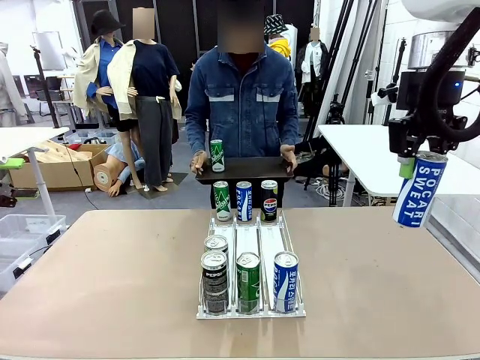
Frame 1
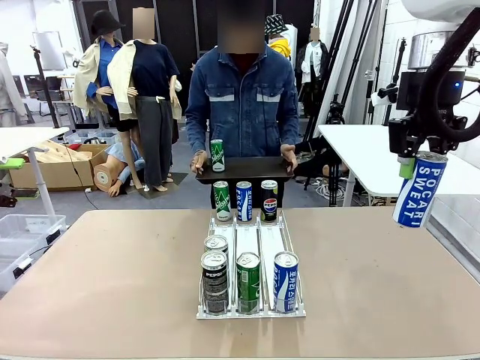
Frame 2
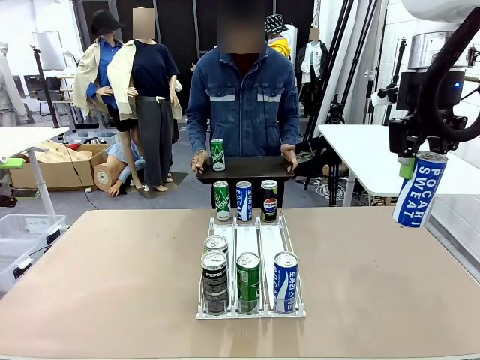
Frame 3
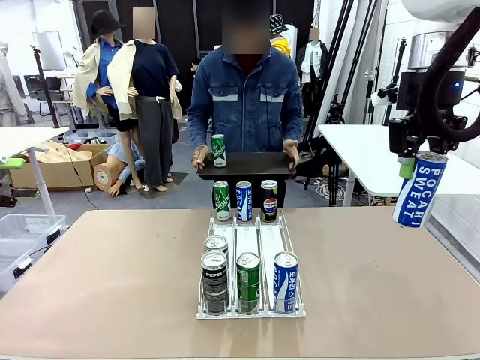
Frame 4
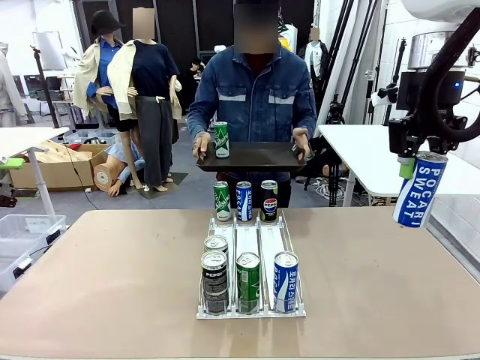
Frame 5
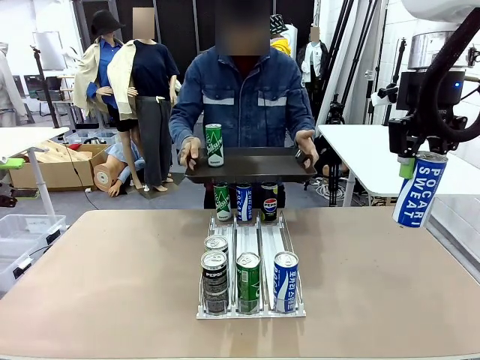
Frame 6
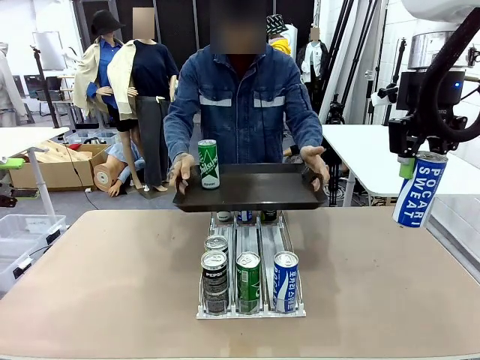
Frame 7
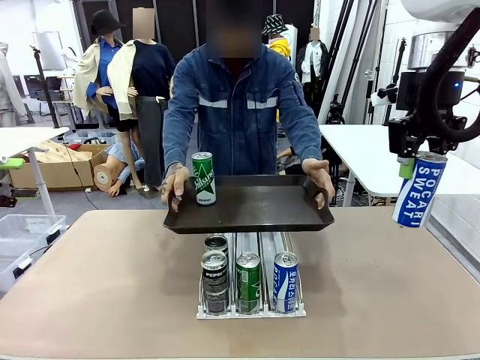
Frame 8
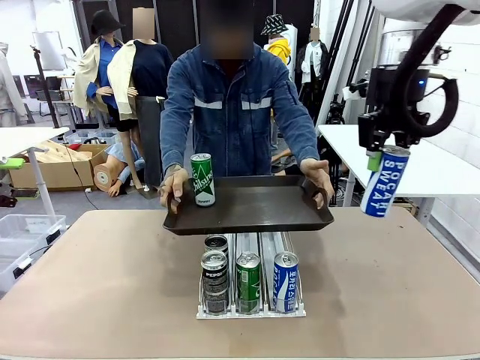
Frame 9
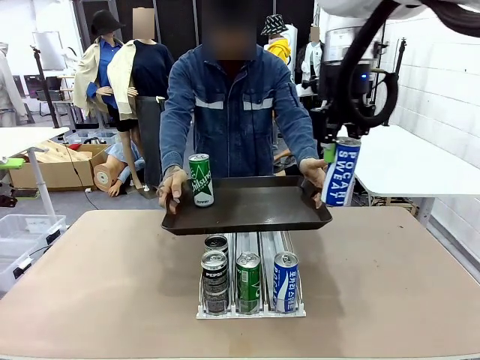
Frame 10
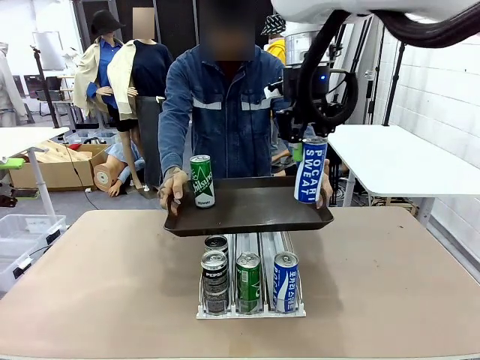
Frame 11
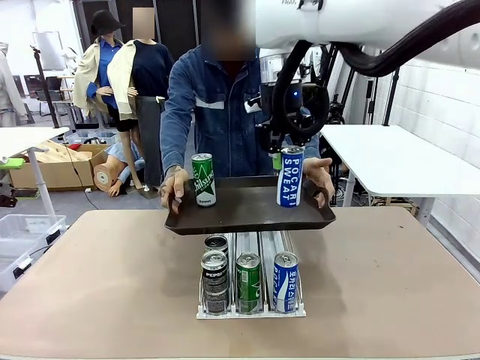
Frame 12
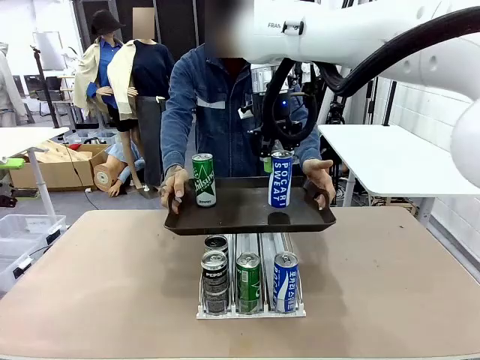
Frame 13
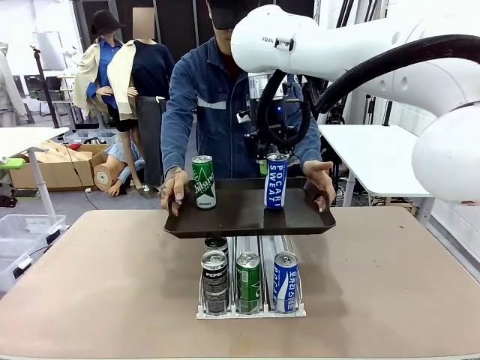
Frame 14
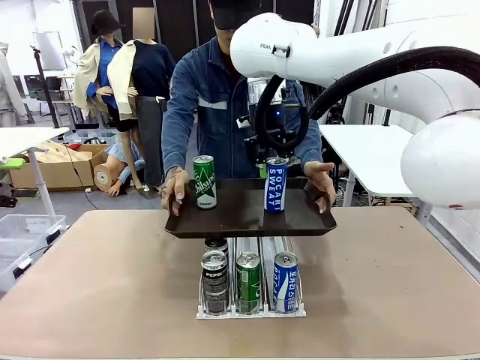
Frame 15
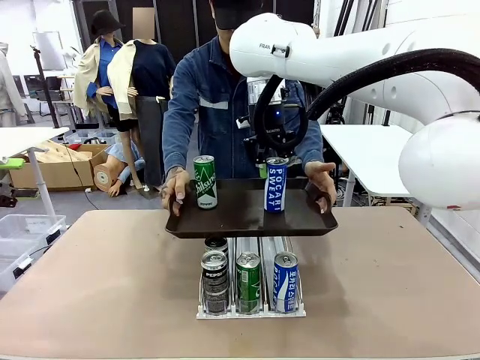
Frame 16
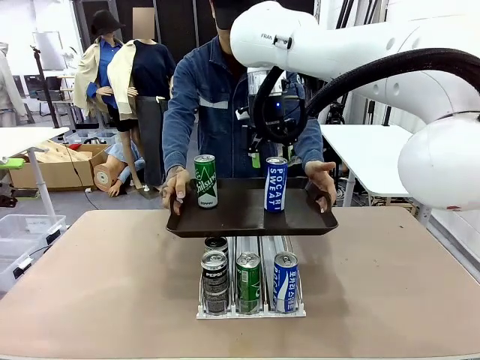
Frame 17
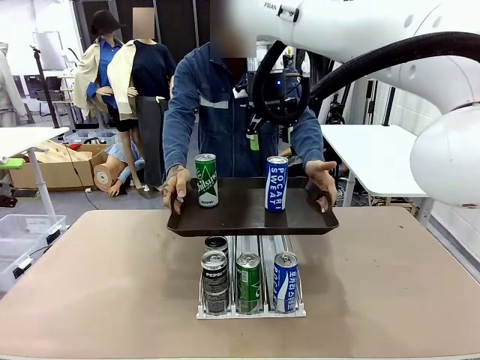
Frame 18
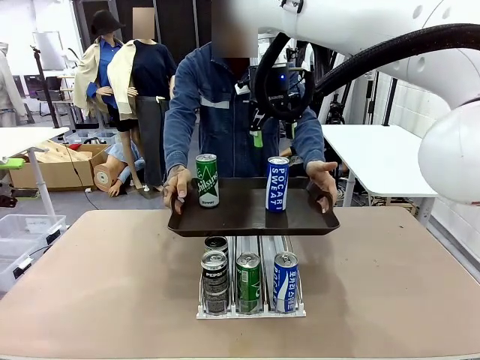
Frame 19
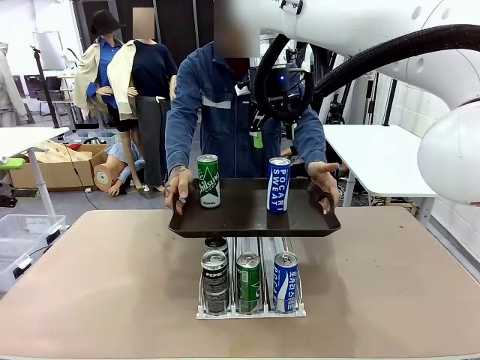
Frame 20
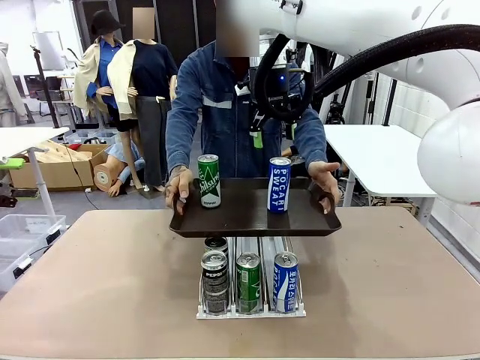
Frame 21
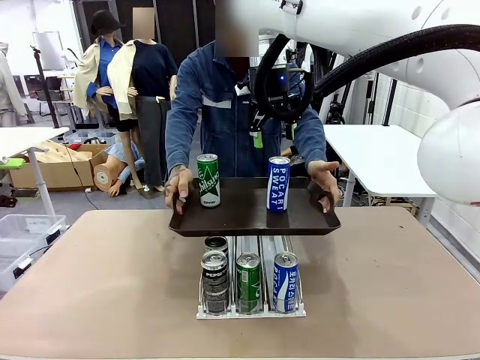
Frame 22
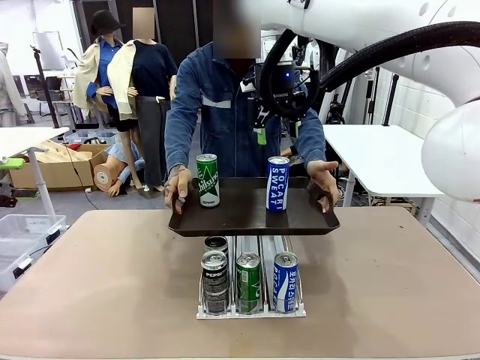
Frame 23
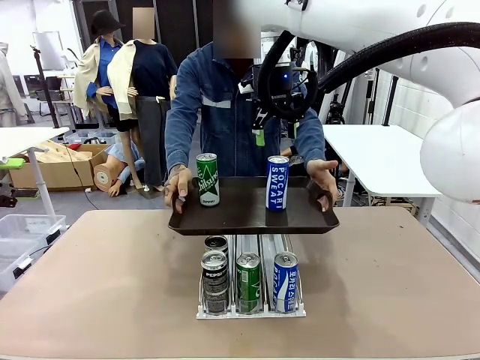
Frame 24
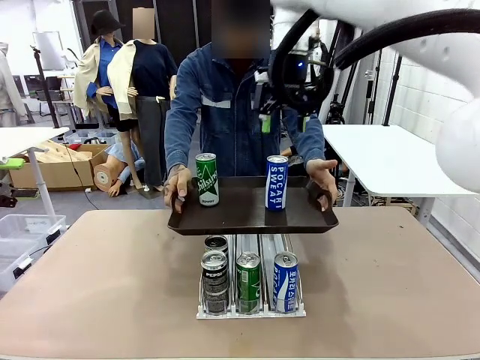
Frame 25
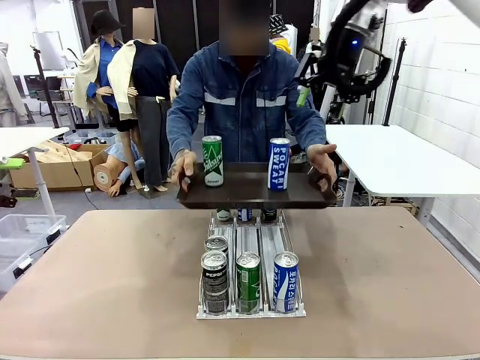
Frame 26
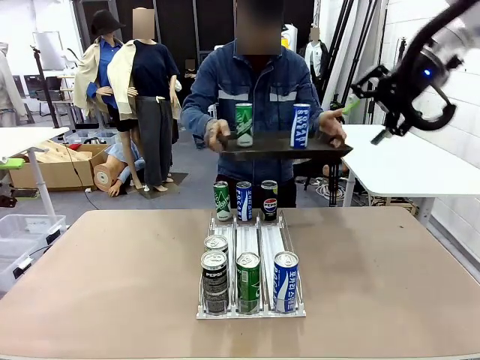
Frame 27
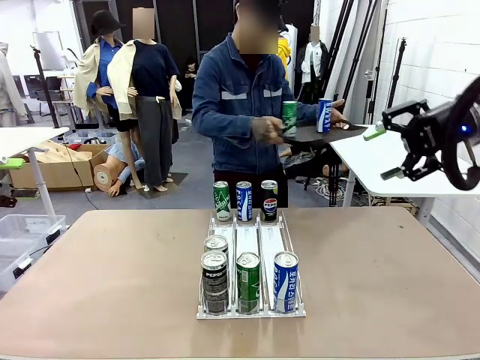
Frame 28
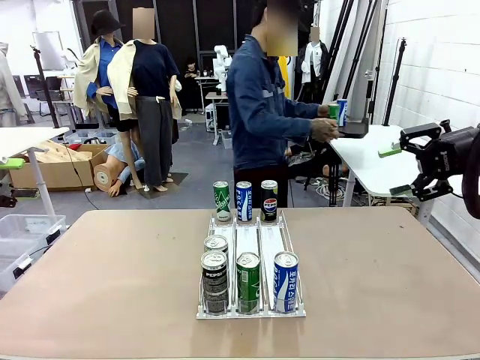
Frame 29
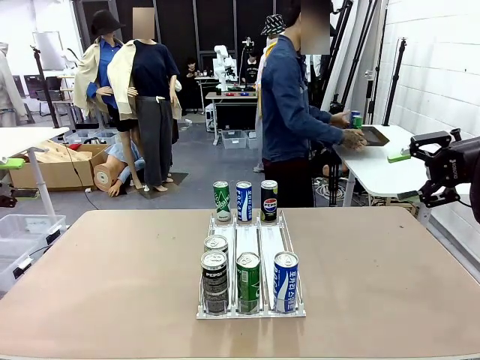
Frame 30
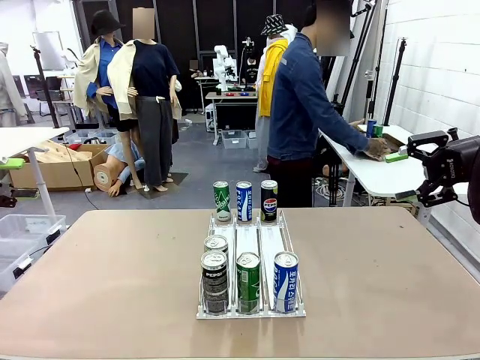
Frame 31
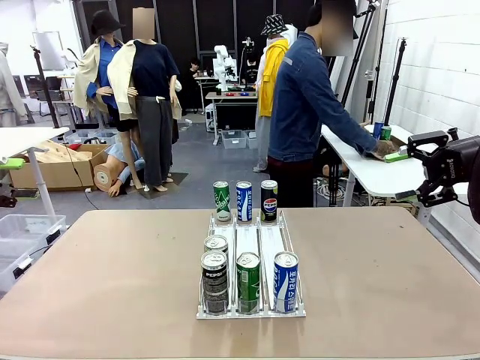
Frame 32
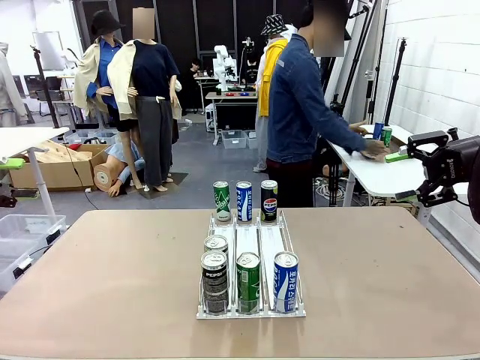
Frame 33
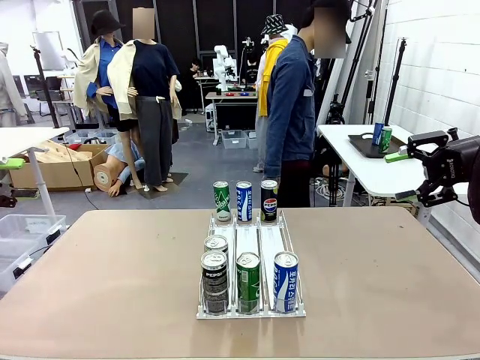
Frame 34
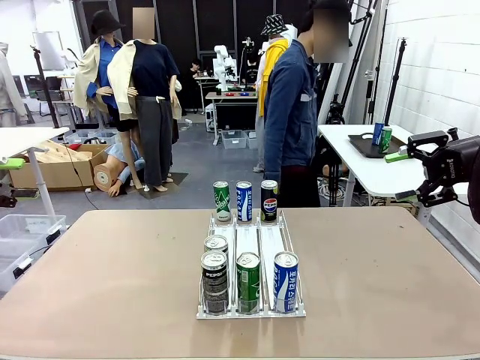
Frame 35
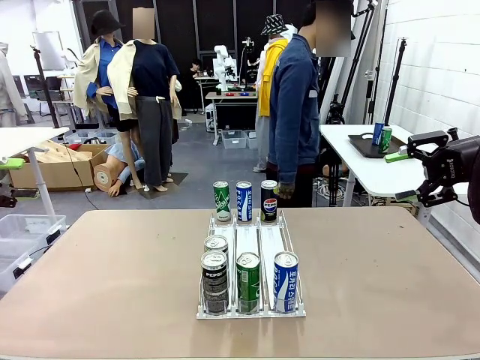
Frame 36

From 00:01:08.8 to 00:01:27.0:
Task: Retrieve and hand over the desired beverage to the person.
Robot: Place the picked can on the Handle tray extended by the person.
Person: Pull the tray back and place it at the center of the human table.

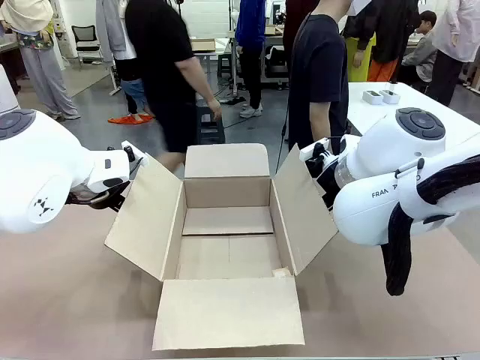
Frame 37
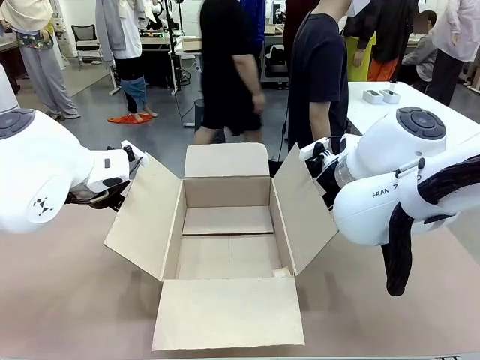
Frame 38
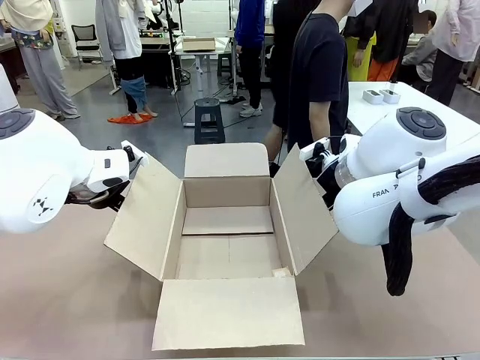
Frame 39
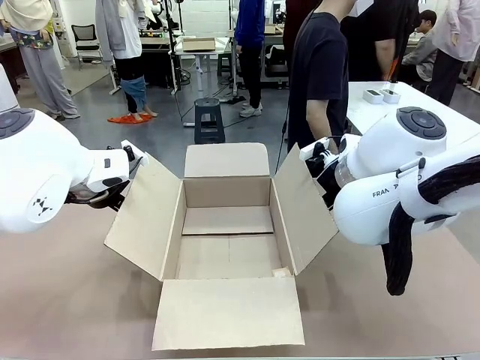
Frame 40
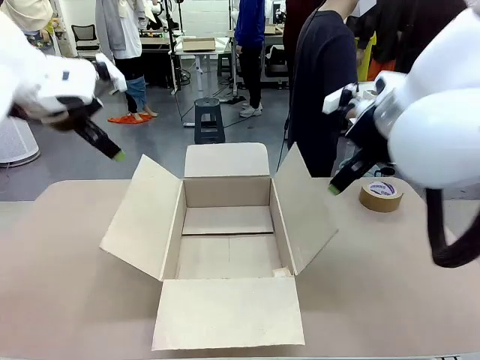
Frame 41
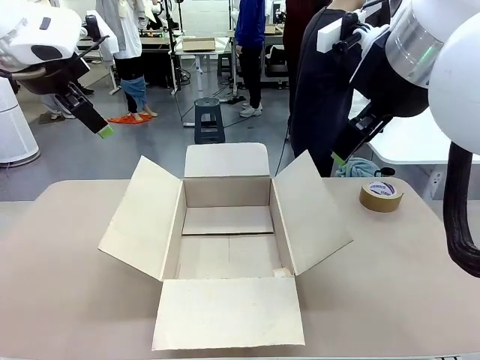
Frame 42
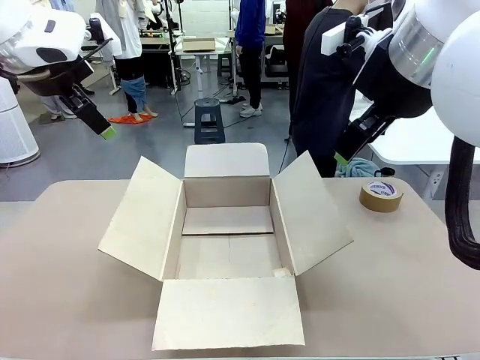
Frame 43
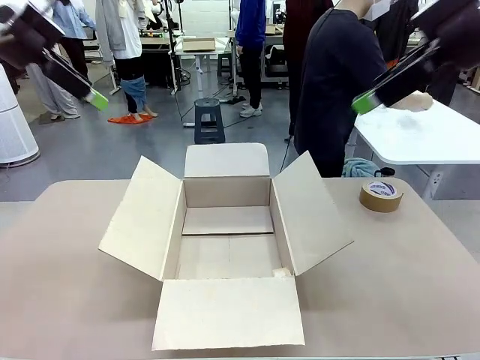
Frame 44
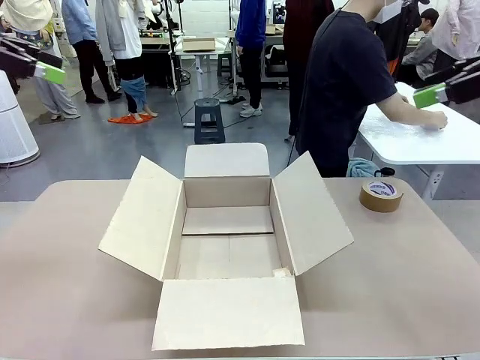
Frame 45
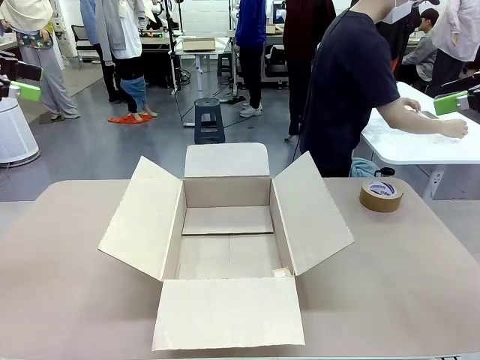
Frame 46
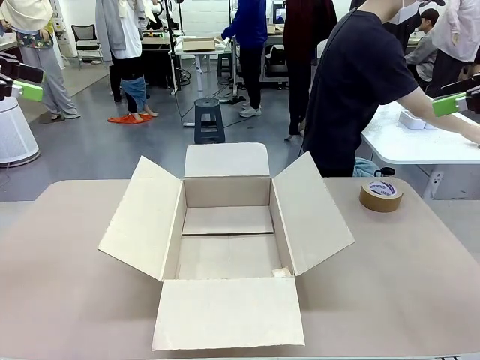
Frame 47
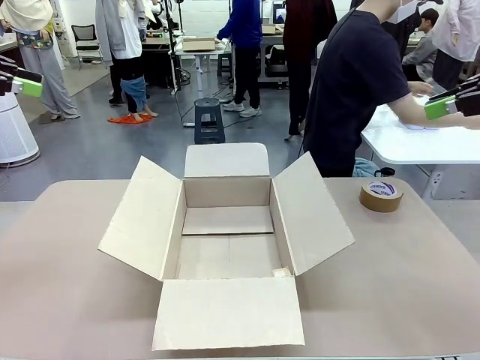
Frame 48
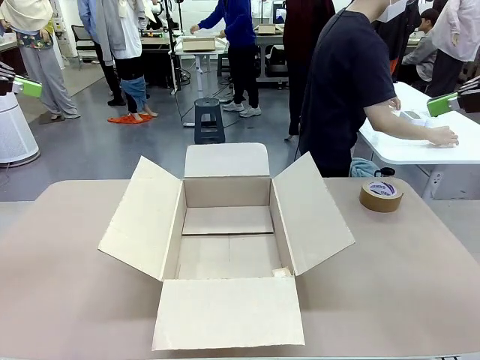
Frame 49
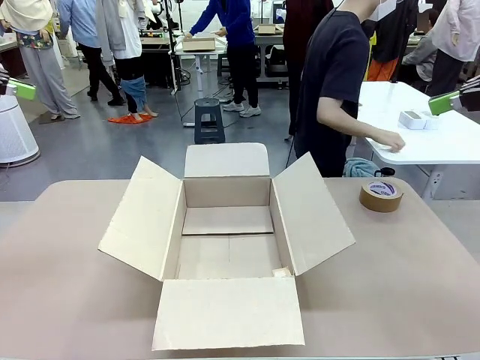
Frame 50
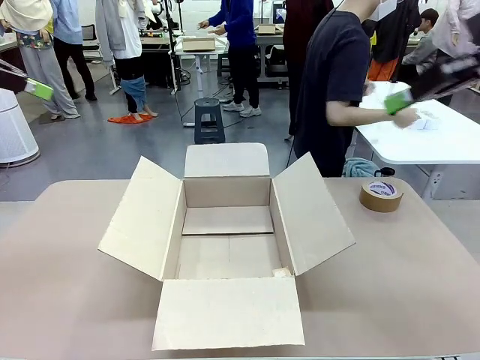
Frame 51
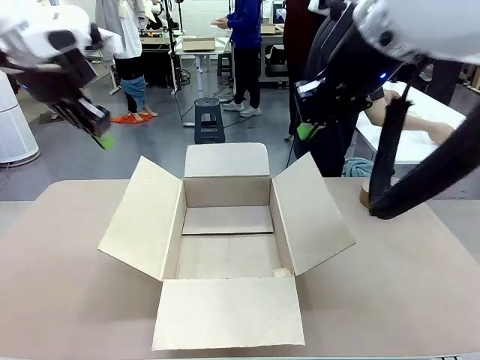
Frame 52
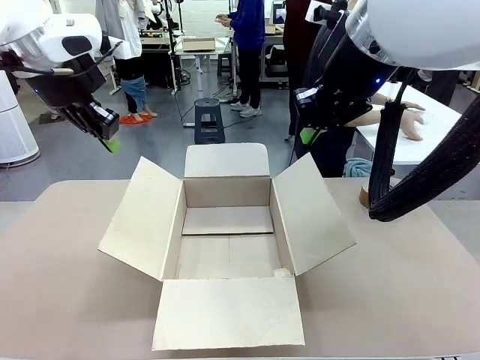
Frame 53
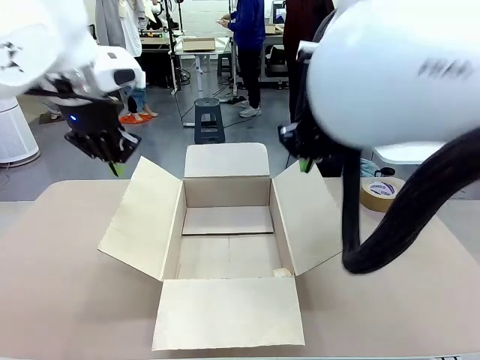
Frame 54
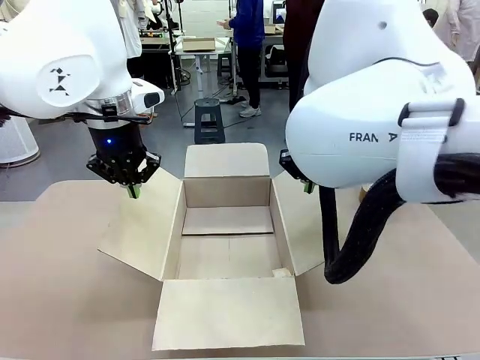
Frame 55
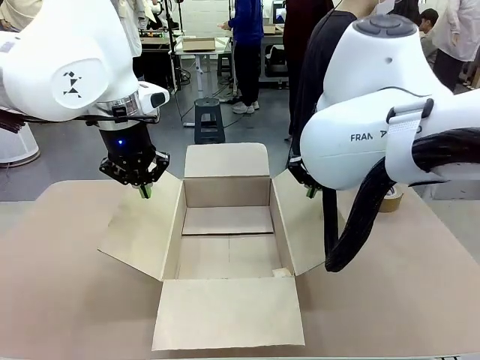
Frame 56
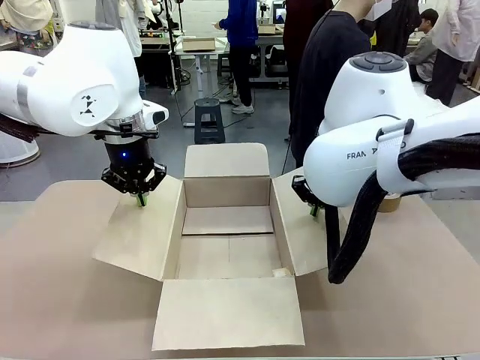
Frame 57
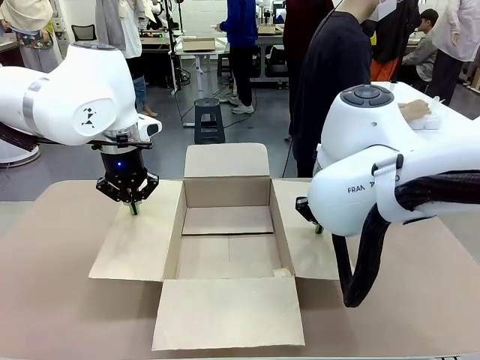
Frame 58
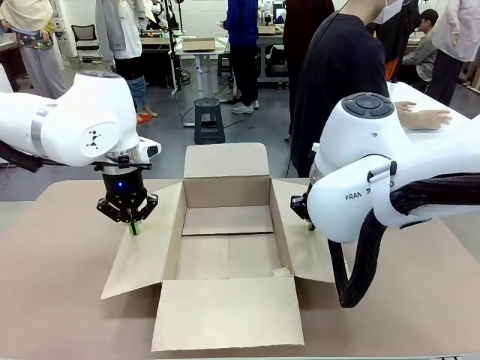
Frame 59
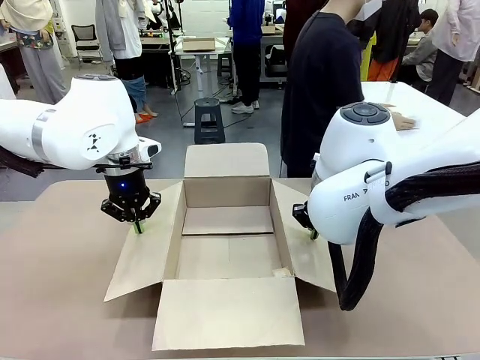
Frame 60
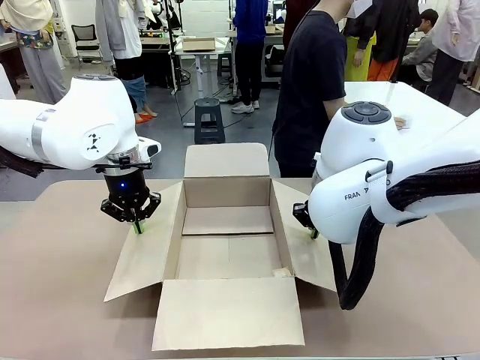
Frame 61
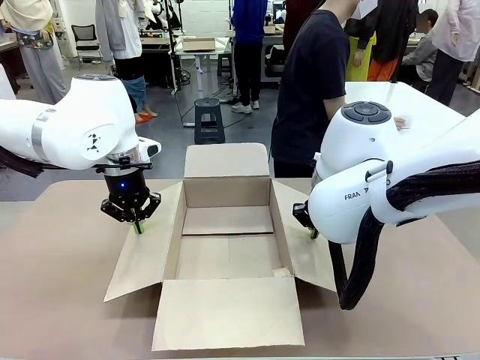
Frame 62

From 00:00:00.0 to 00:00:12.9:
Task: Wrap the clocks to prevent damage.
Robot: Open the side flaps of the Package Box.
Person: Wrap the two Digital clocks with Bubble Wrap.
